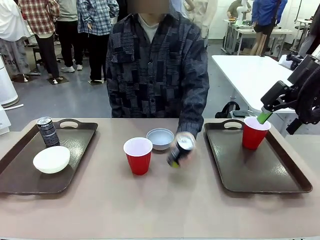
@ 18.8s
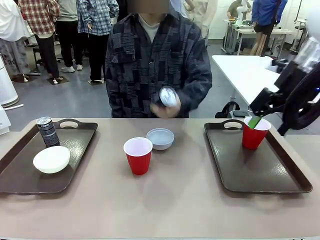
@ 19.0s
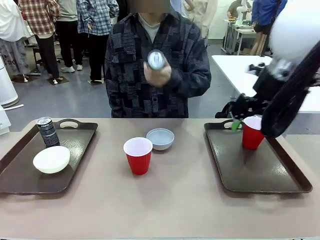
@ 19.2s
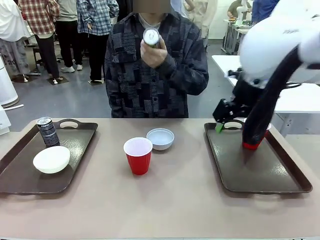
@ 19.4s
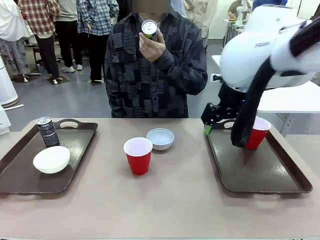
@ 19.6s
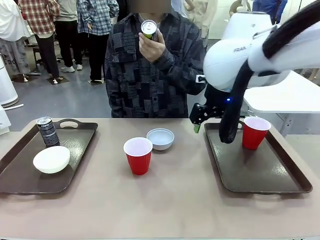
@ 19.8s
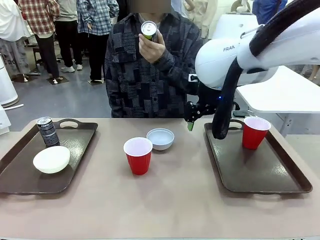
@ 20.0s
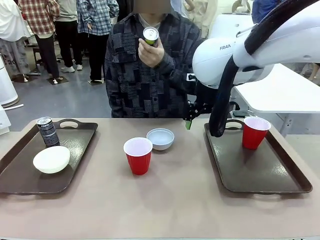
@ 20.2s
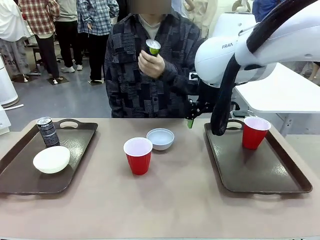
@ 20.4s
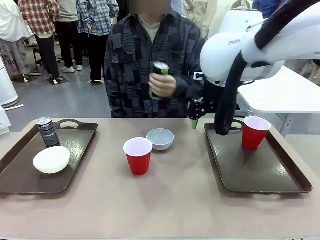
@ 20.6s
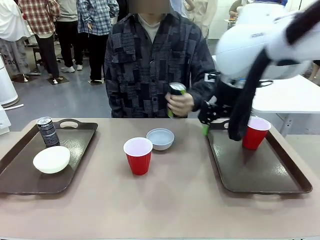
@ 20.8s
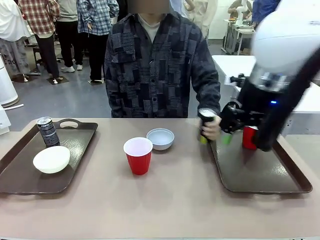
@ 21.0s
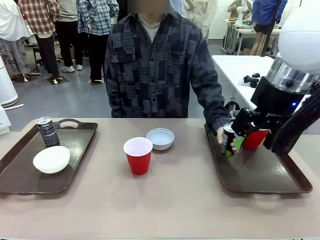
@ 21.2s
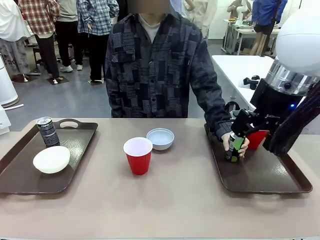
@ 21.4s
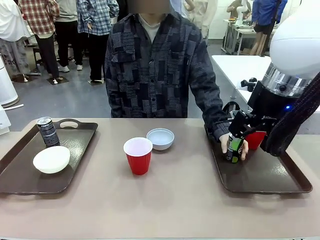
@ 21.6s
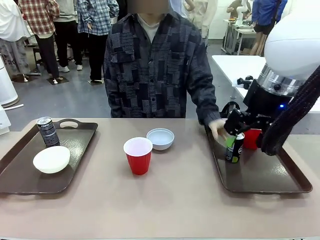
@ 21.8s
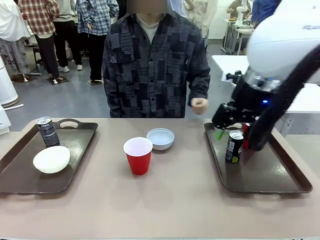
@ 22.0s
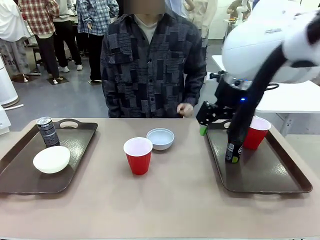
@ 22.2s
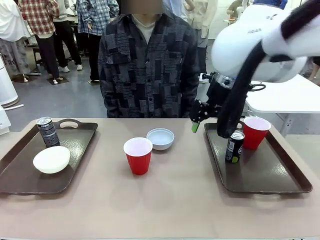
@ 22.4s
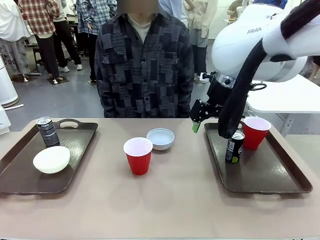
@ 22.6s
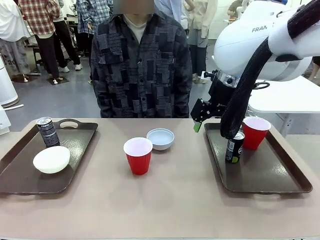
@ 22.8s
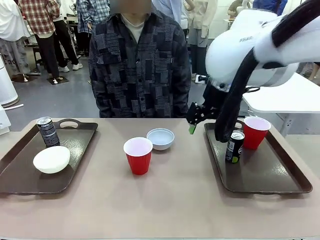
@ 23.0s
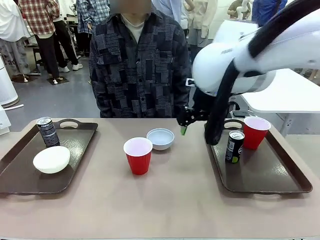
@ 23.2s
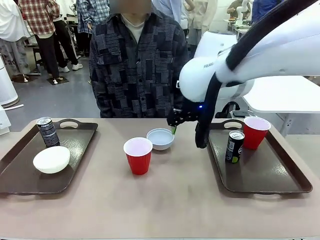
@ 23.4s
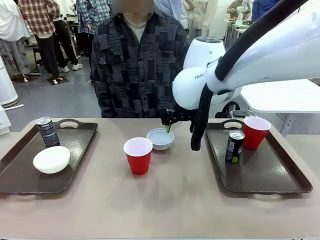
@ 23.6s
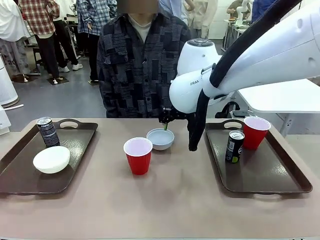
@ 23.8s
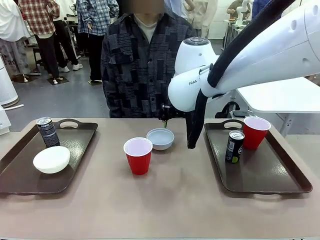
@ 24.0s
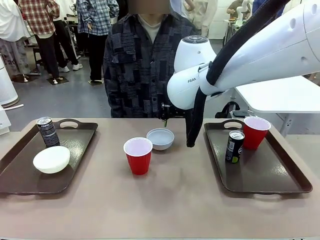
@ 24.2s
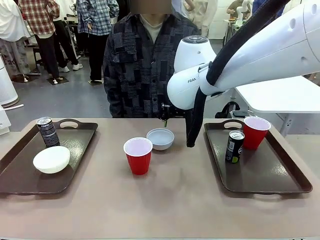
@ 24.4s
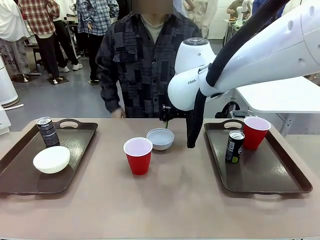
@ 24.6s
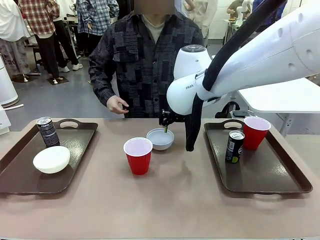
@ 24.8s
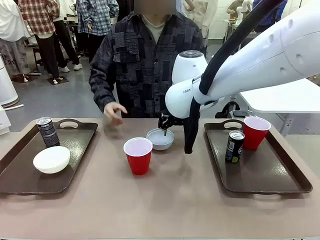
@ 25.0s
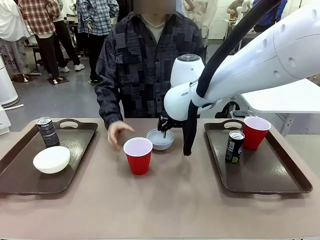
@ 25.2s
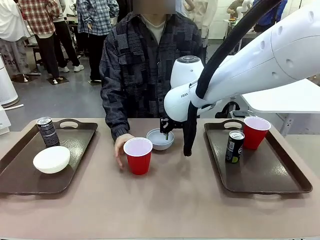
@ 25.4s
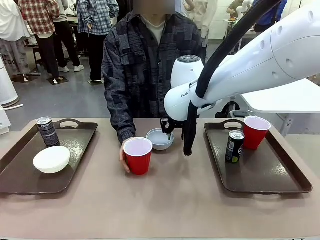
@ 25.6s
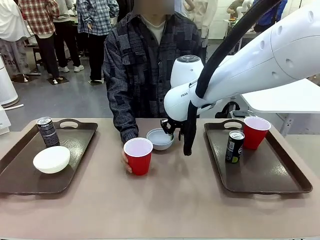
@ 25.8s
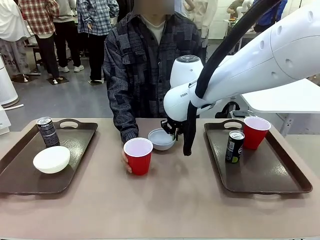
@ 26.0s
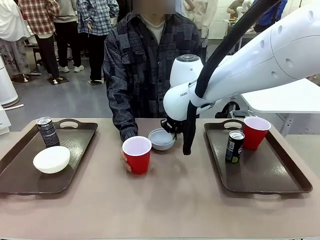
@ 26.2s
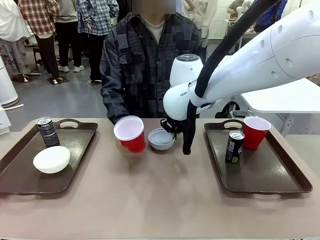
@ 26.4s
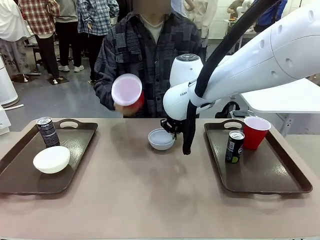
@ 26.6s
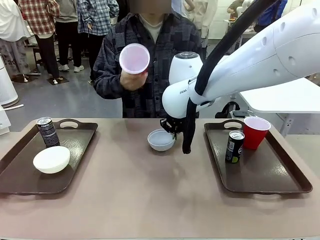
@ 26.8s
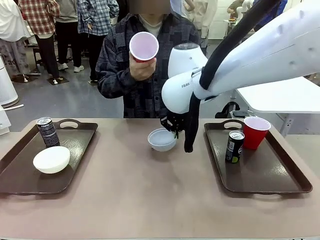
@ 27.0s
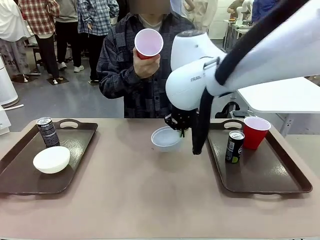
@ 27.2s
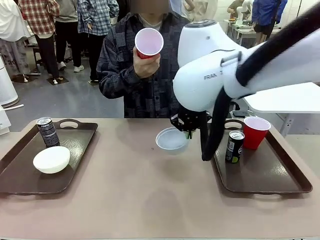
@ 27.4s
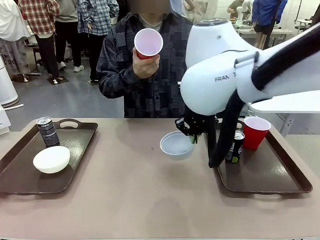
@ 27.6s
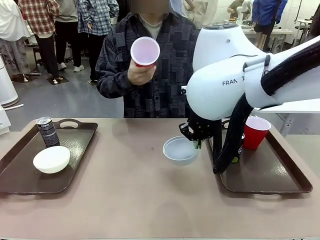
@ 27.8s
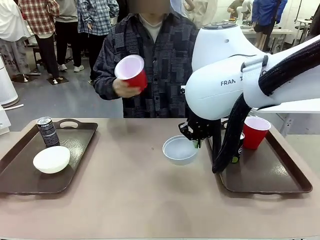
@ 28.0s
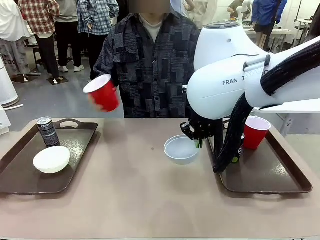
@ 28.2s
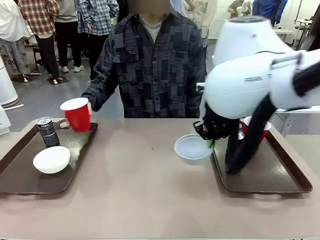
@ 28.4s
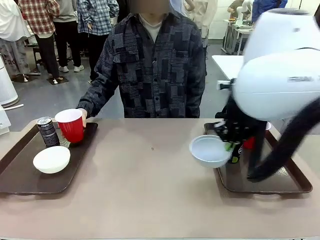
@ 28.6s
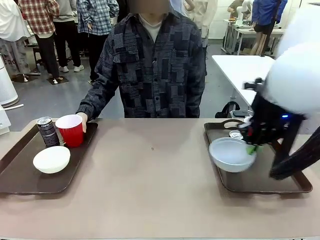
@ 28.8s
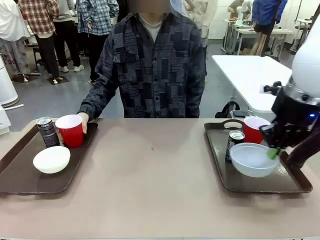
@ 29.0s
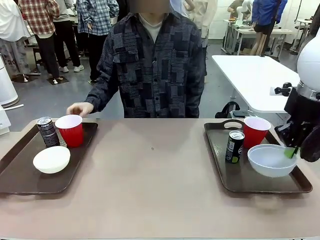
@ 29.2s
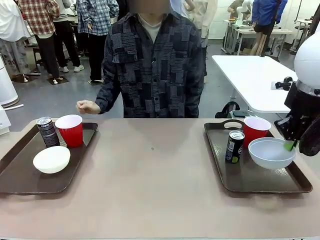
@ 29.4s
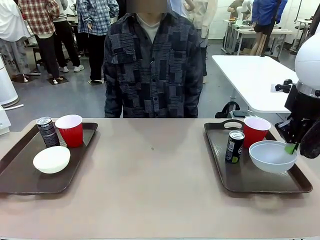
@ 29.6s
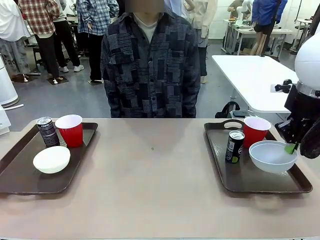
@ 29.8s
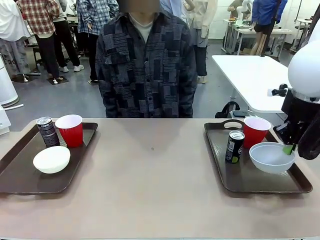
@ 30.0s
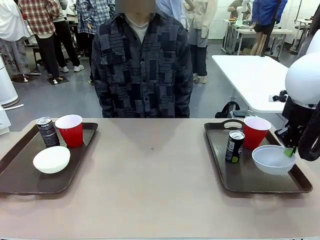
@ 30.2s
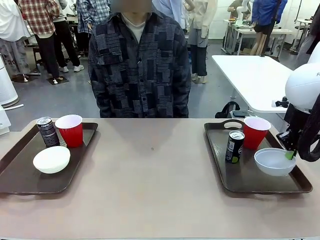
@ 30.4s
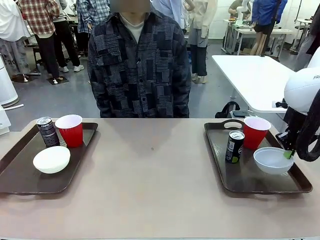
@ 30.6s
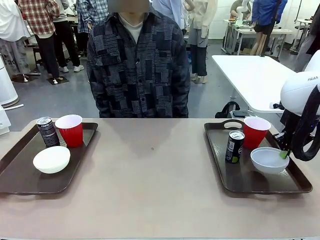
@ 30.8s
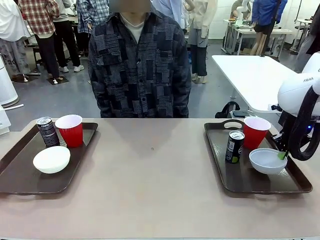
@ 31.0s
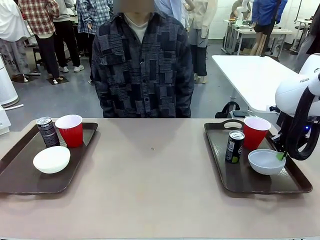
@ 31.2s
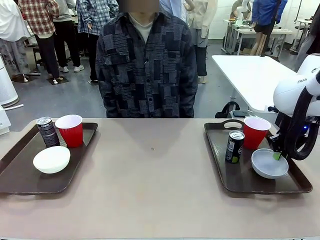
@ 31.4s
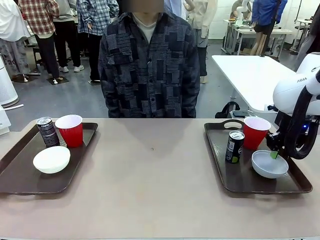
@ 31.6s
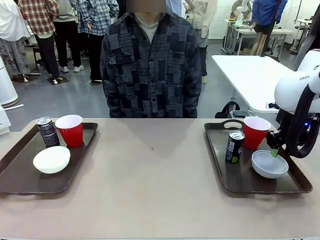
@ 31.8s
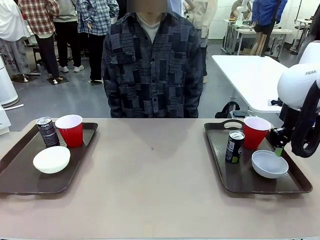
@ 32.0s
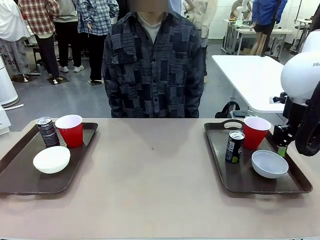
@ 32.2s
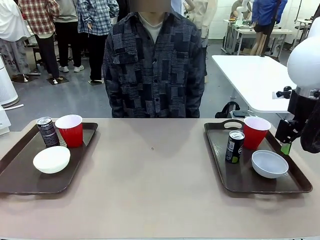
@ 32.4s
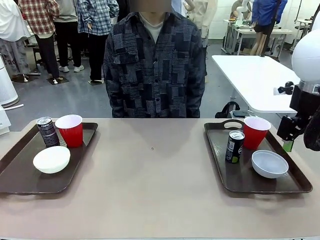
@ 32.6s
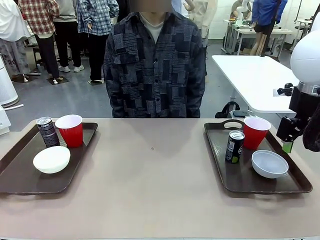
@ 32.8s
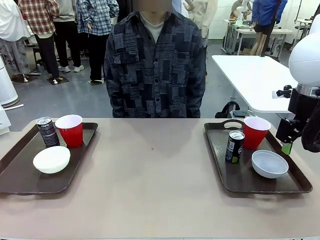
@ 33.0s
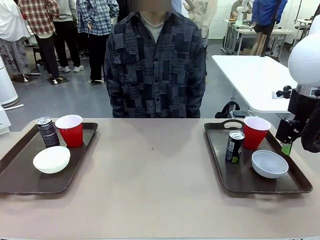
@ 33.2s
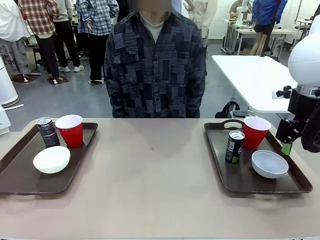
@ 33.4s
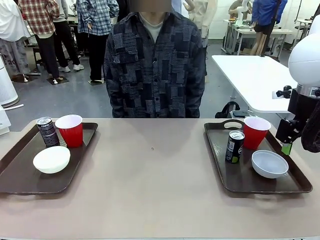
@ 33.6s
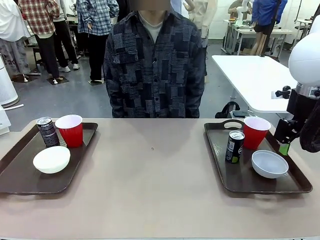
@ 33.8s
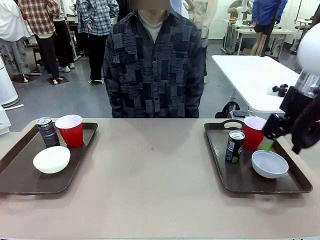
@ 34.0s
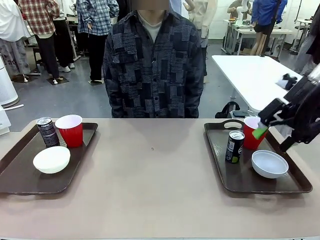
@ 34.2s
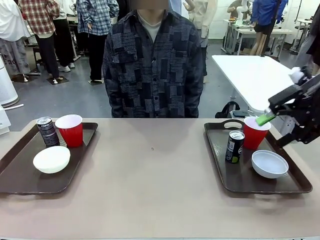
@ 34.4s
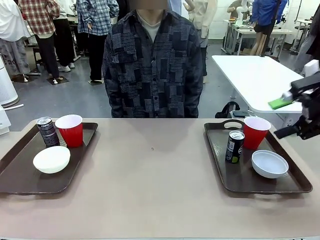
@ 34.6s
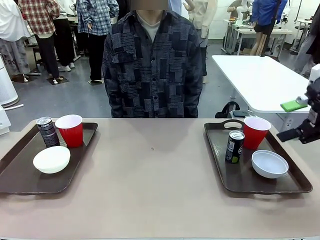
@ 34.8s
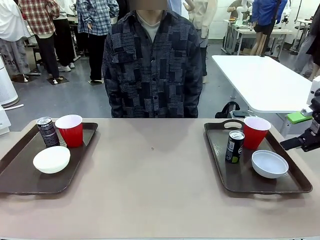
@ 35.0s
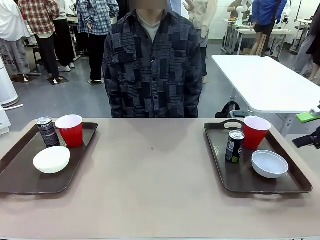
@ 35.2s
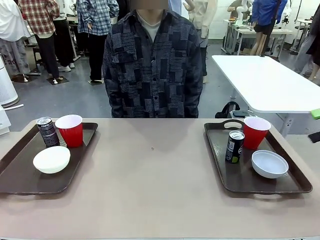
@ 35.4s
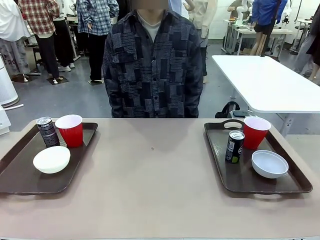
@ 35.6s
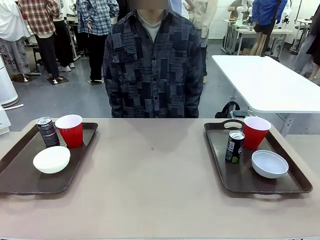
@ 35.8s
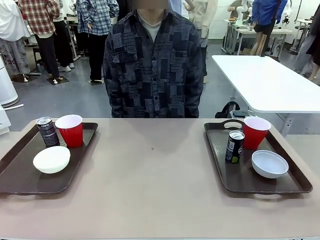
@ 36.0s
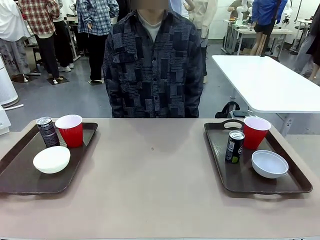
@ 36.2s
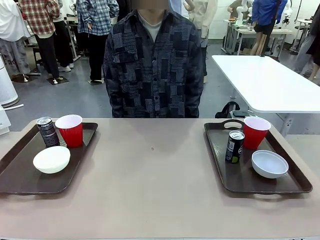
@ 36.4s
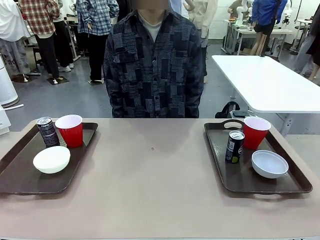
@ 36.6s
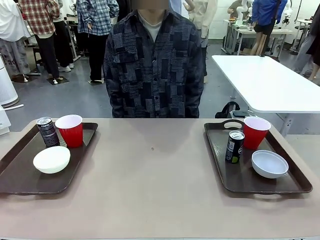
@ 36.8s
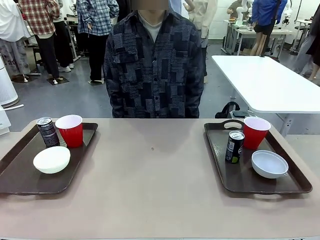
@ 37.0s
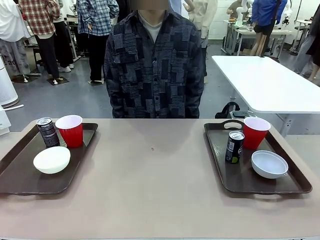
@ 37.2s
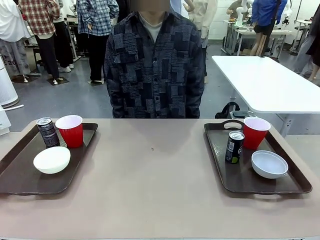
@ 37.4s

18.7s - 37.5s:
Task: Prepare tableware on both trays.
Robot: Pick up a Picnic Bowl from the table and place it on a Handle tray.
Person: Pick up a can or cup and place it on the tray without a can or cup.
